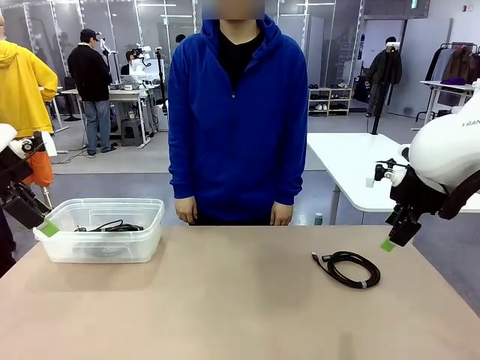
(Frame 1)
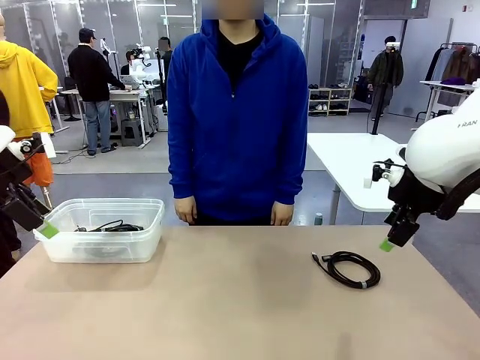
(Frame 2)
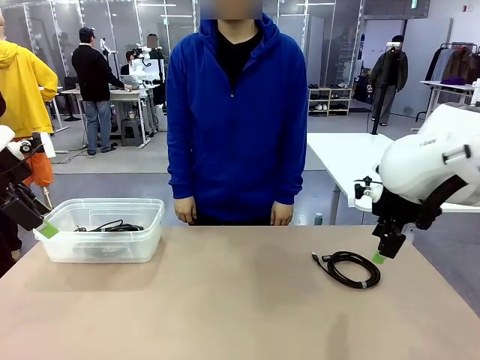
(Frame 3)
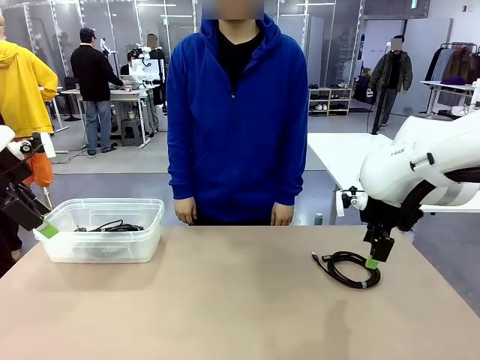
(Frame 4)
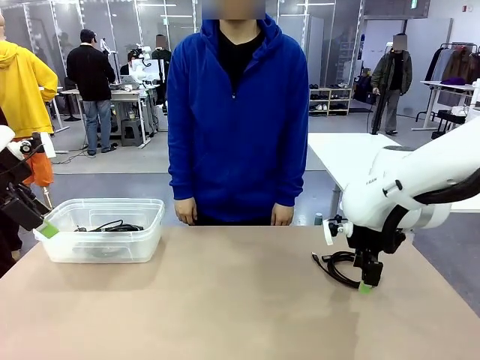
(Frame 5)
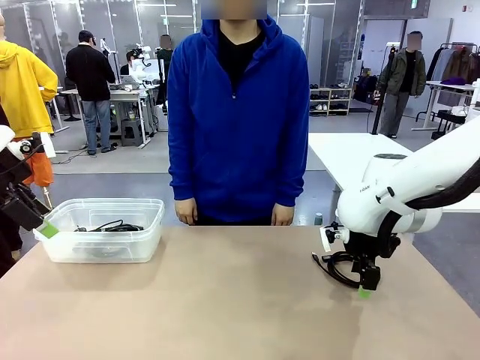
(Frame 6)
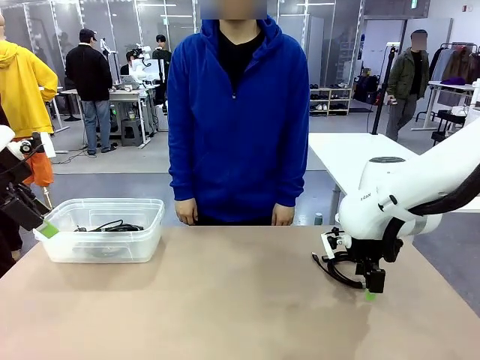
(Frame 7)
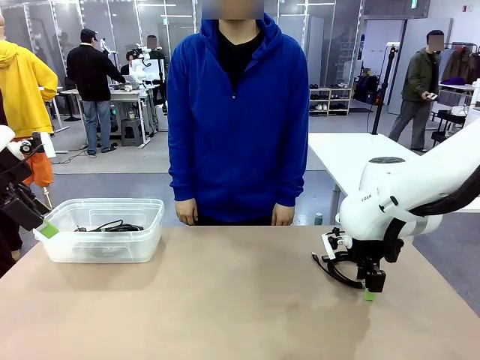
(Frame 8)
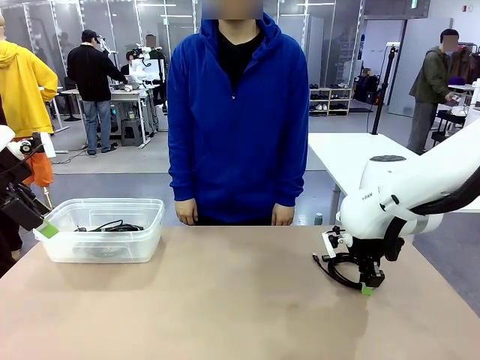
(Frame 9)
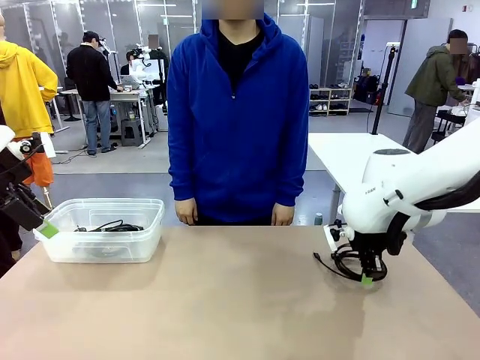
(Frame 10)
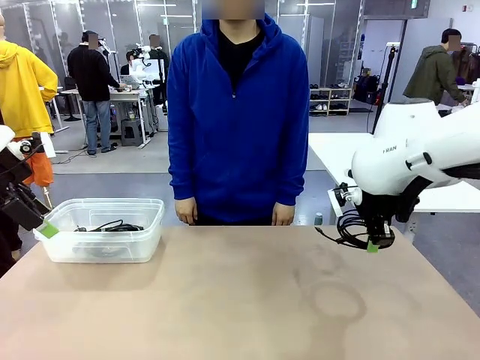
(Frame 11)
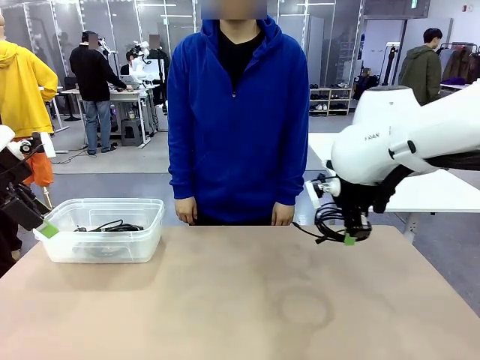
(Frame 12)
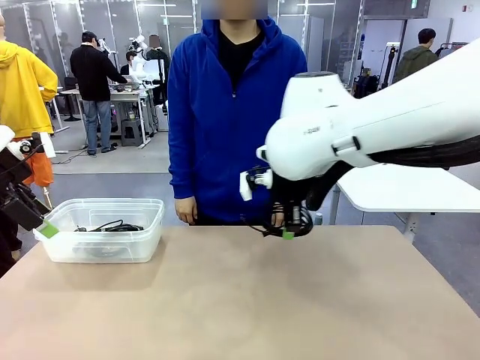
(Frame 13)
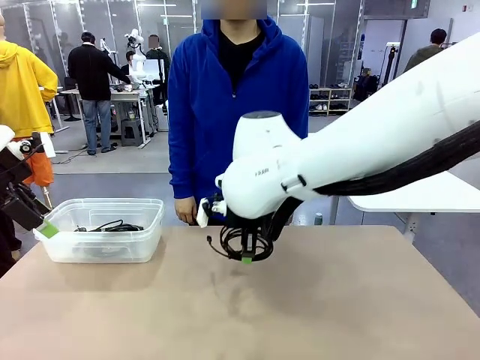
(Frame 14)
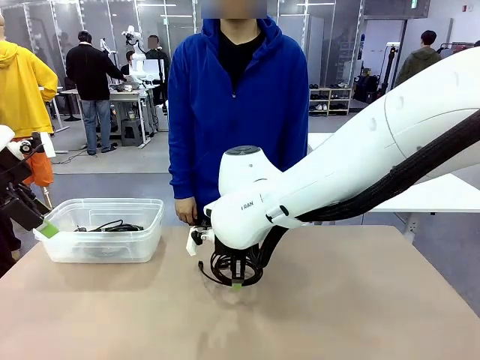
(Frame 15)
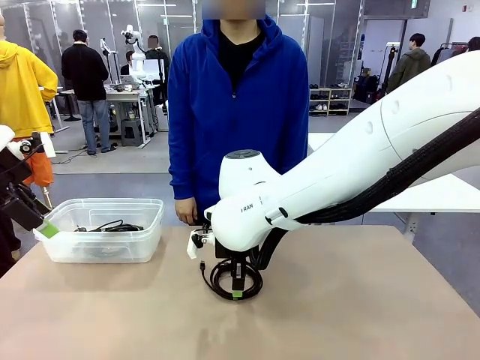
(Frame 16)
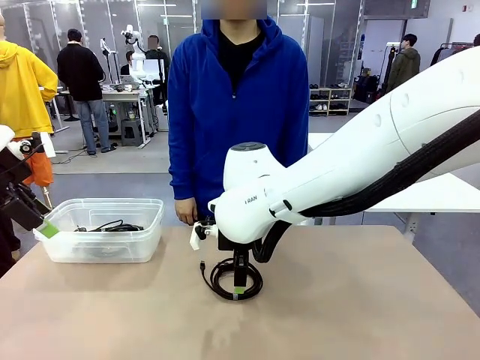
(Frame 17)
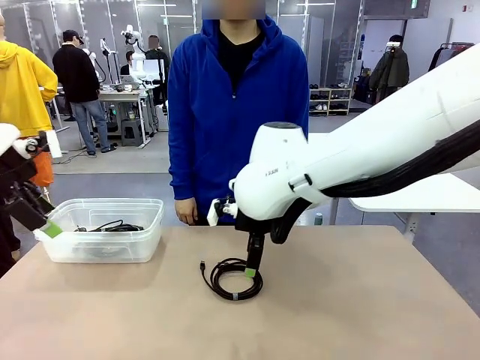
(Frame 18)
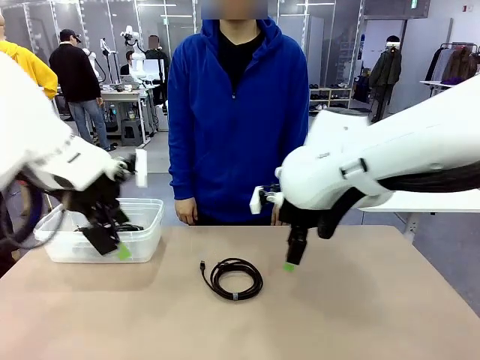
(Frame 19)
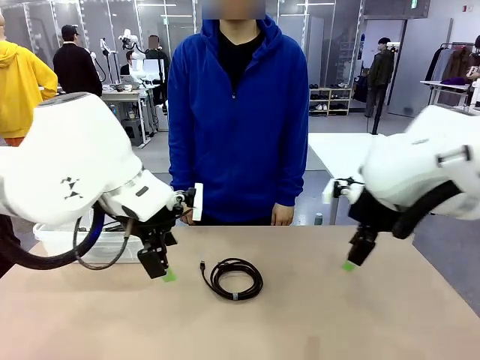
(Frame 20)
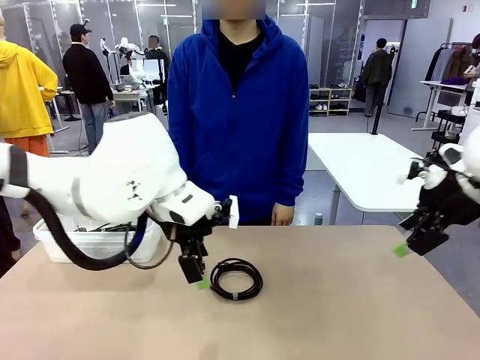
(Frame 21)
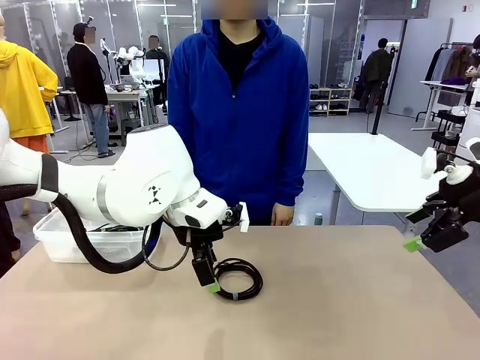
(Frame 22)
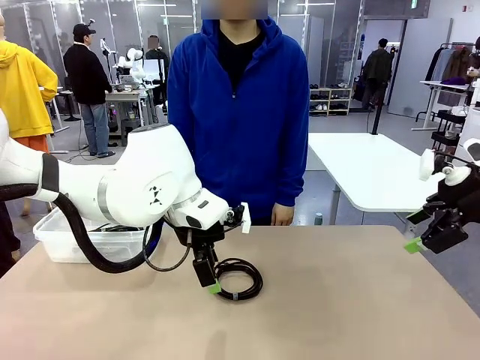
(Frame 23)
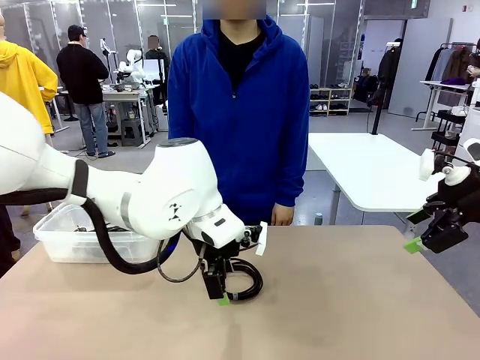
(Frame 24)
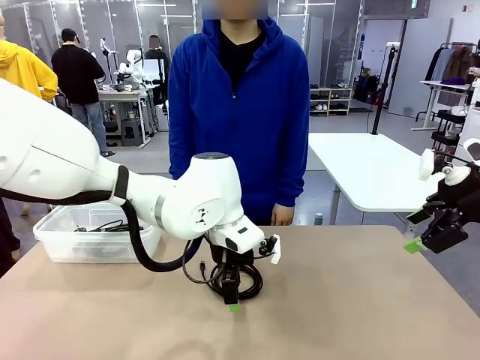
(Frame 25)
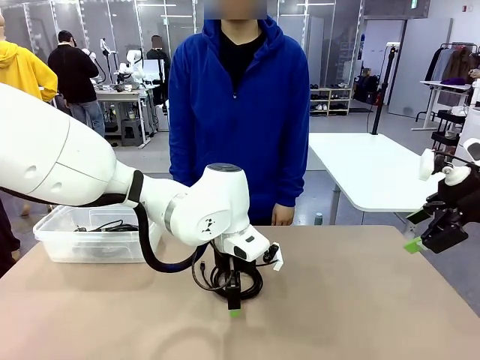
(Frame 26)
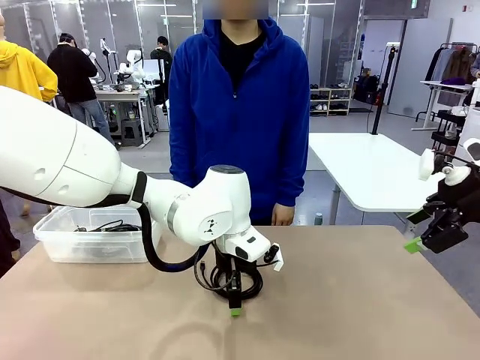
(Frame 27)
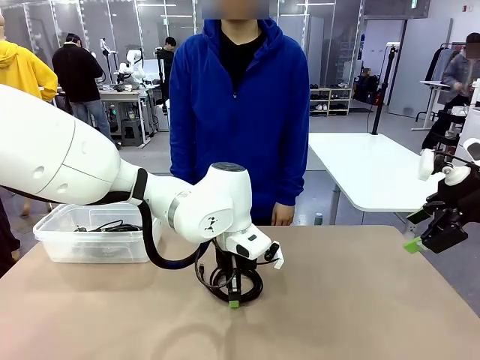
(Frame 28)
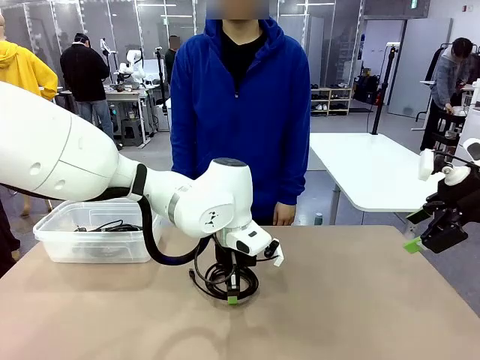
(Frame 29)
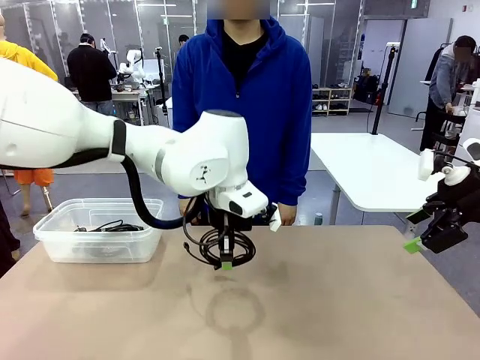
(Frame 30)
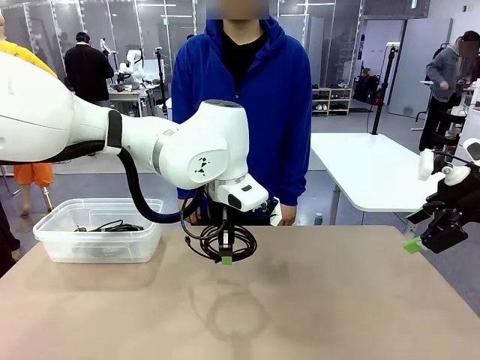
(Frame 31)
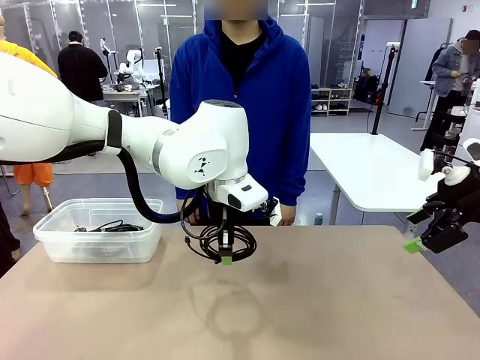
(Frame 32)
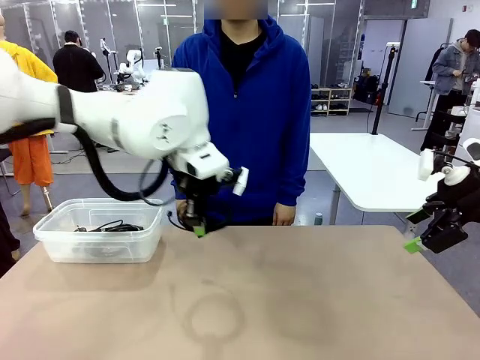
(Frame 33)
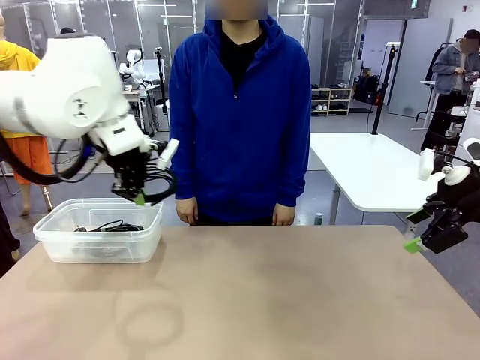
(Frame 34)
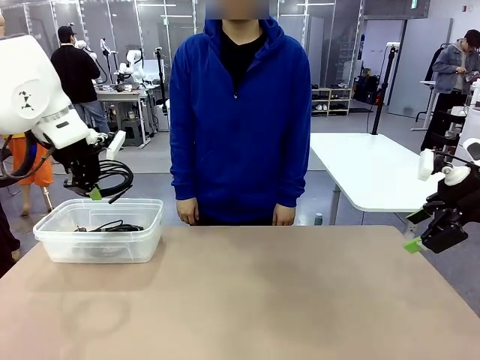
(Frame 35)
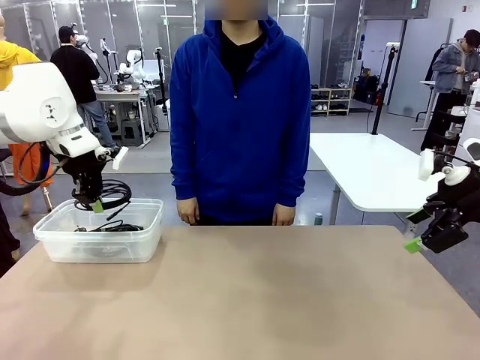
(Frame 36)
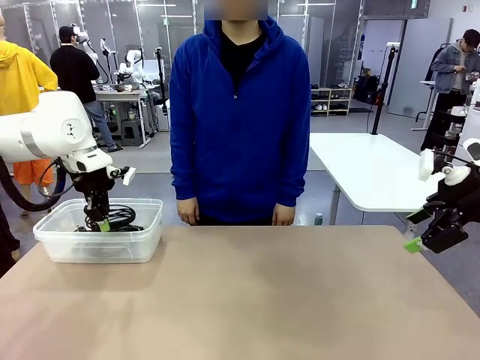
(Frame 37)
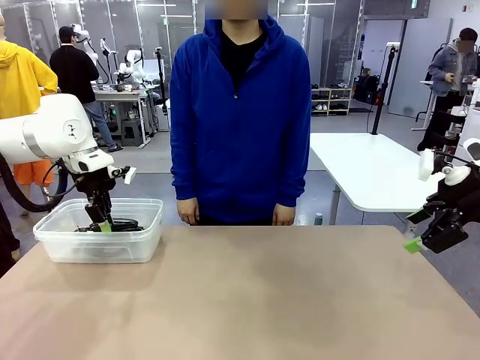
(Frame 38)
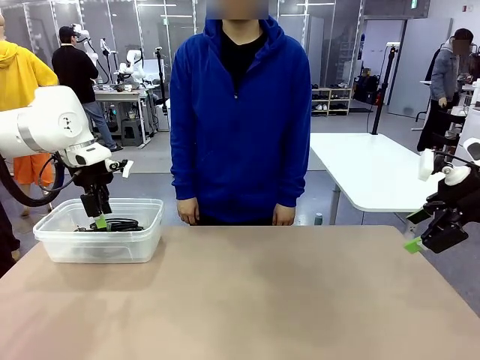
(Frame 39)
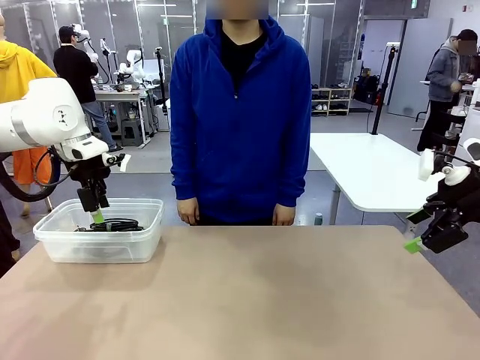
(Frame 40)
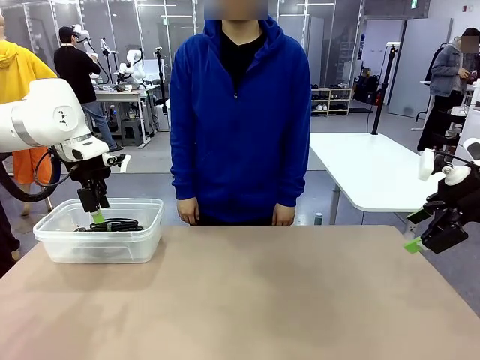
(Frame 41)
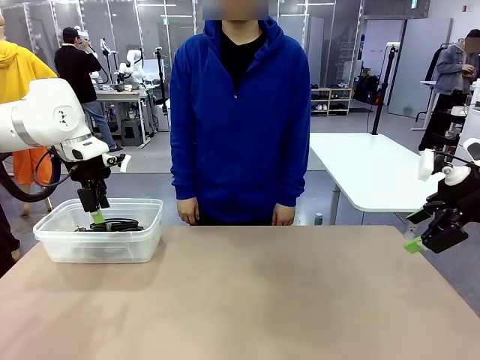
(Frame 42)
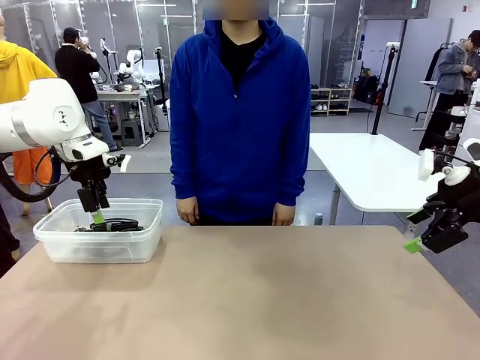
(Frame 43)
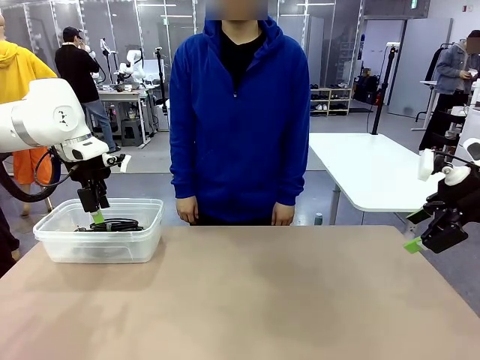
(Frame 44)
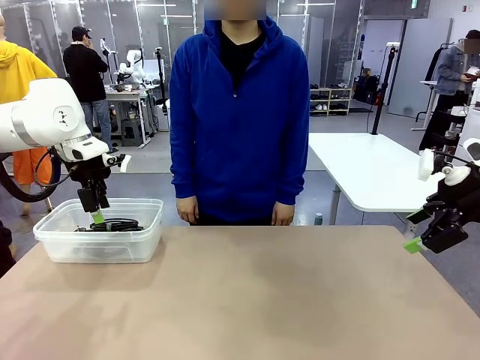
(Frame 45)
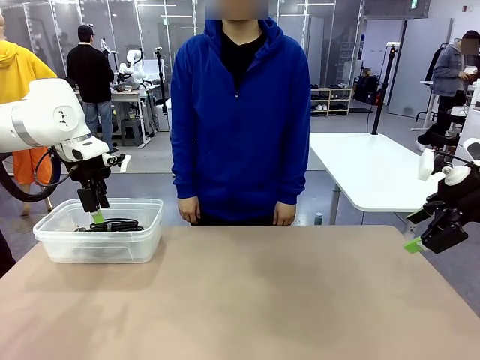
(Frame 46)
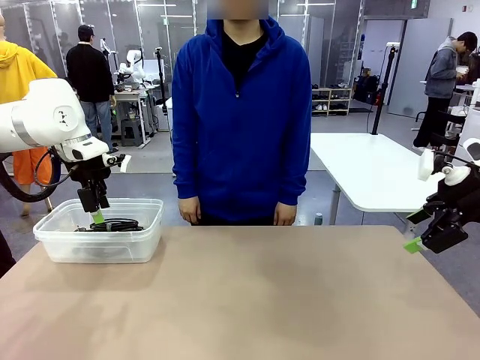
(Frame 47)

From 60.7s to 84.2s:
Task: Organize and store the cables.
Robot: Place the USB Extension Cable into the Organizing box.

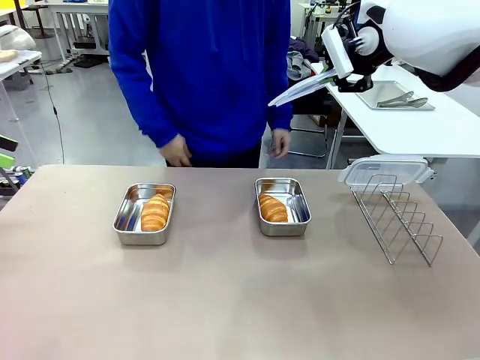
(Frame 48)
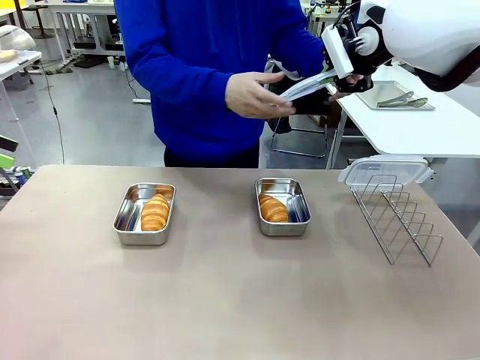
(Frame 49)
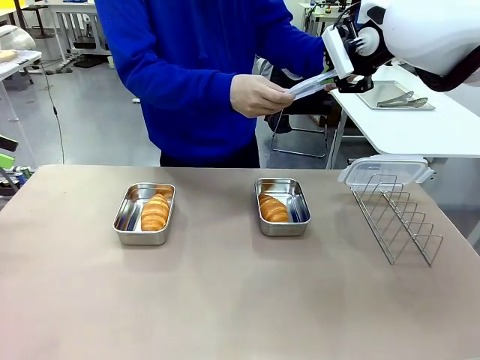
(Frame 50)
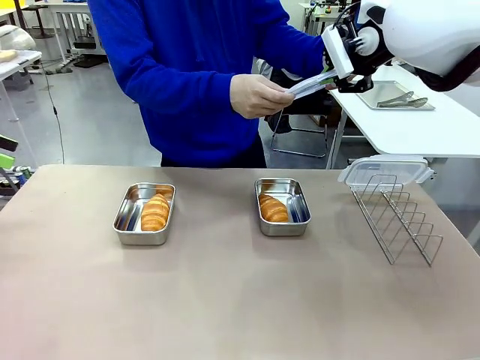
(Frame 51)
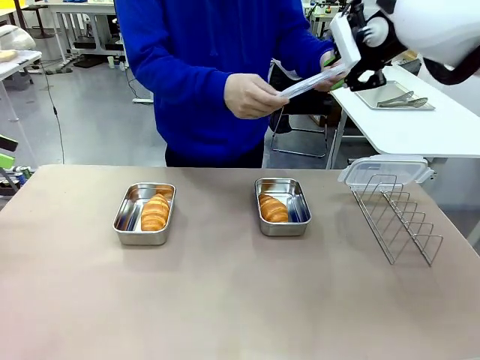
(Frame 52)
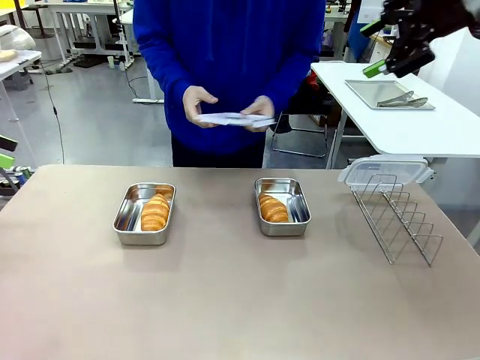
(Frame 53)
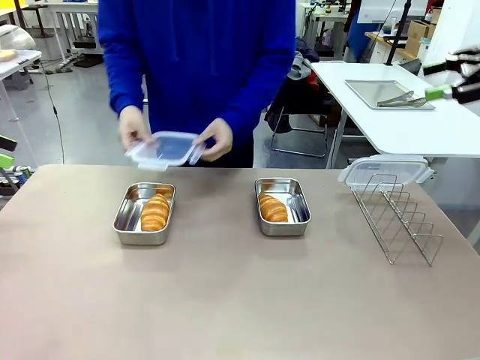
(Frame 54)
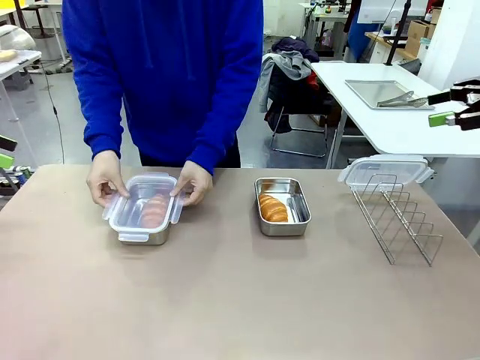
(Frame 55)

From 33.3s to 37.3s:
Task: Place the bread in airtight containers.
Robot: Release when the human grabs the Airtight Container lid.
